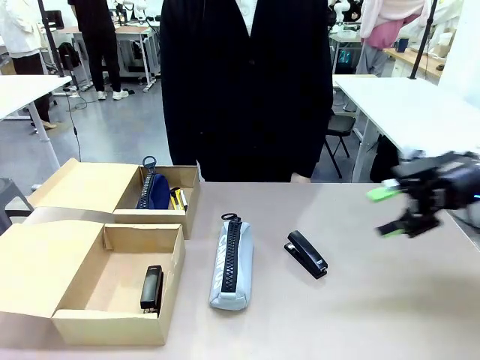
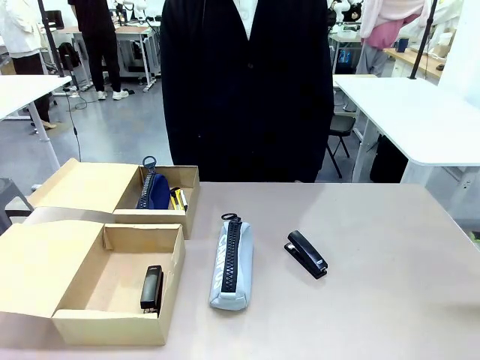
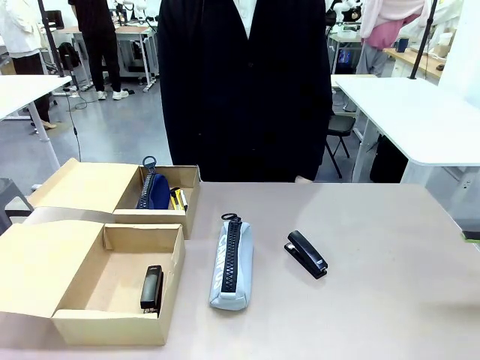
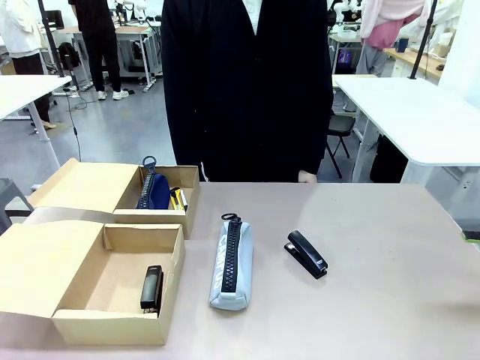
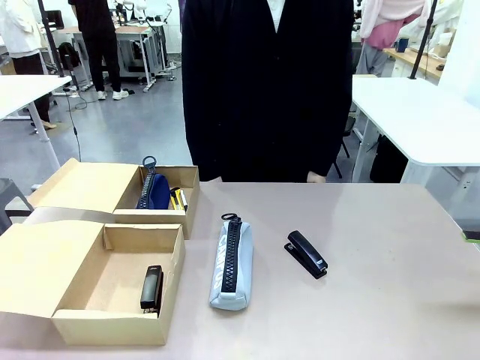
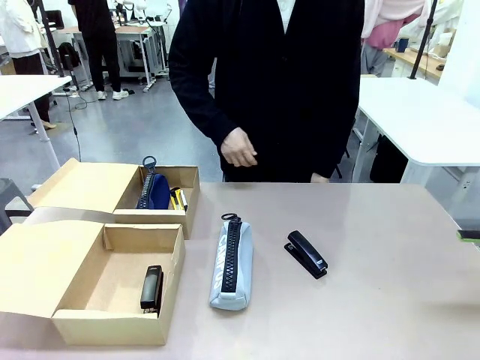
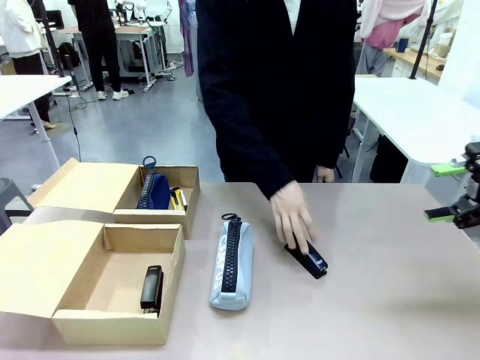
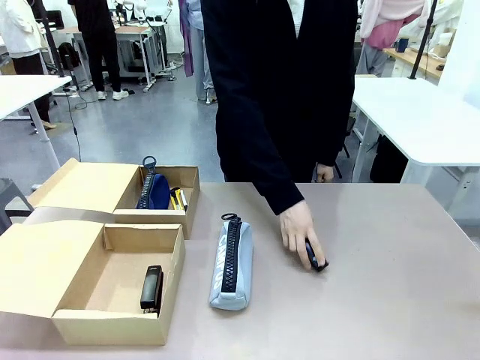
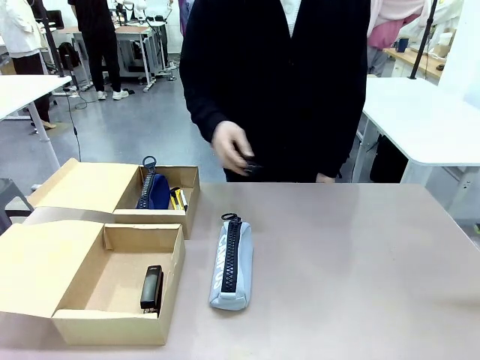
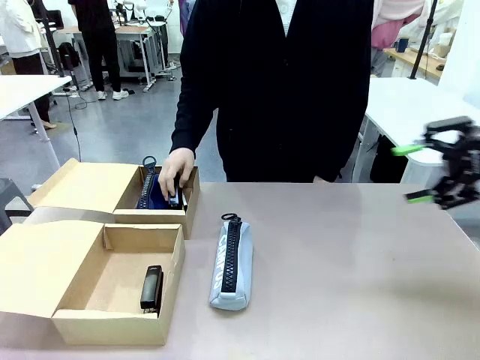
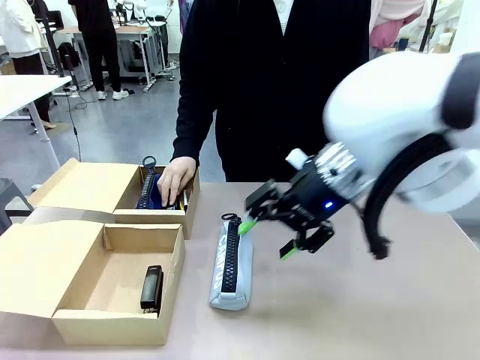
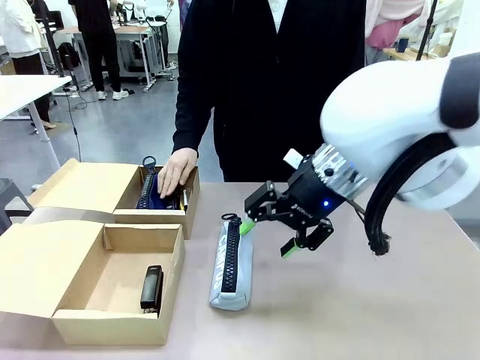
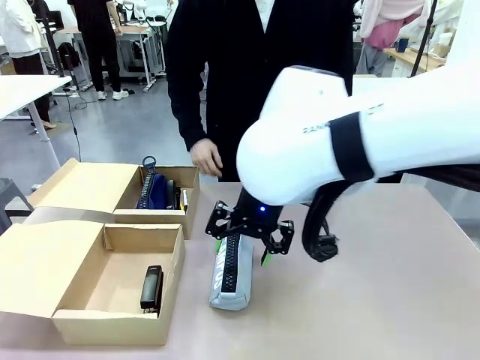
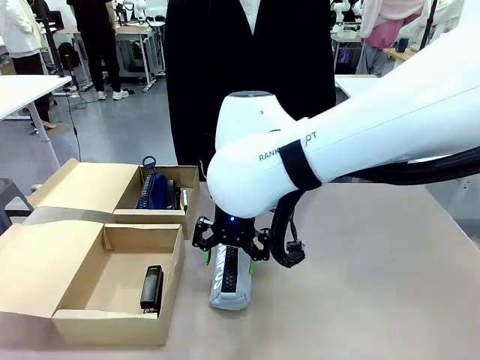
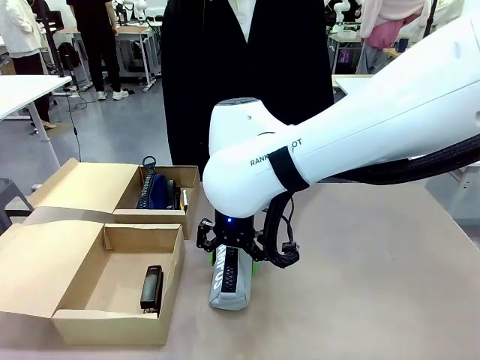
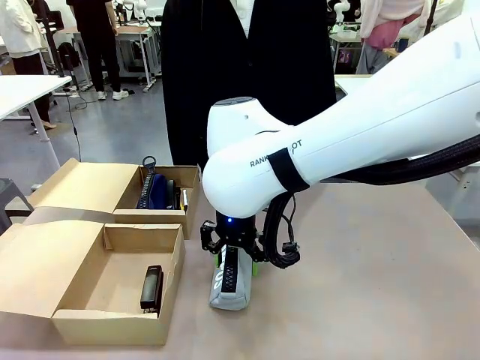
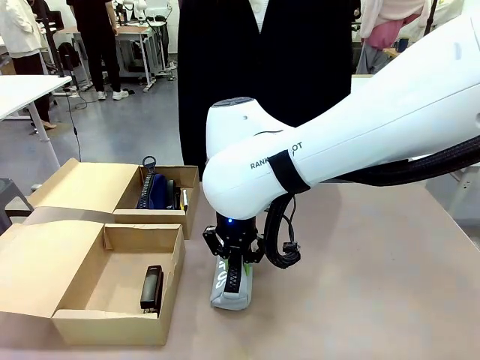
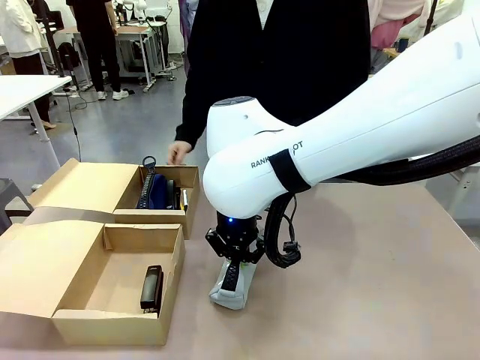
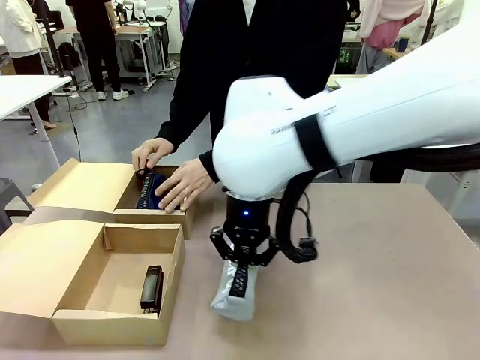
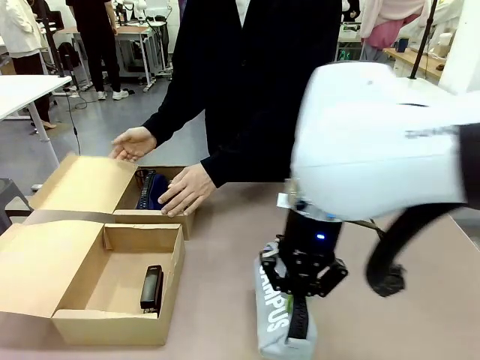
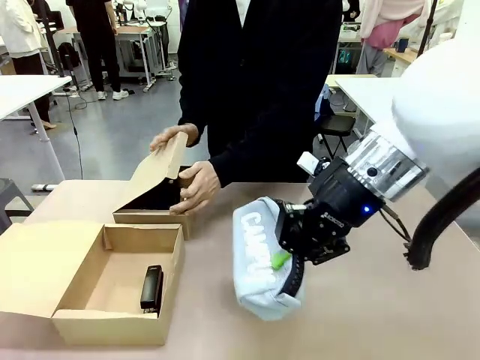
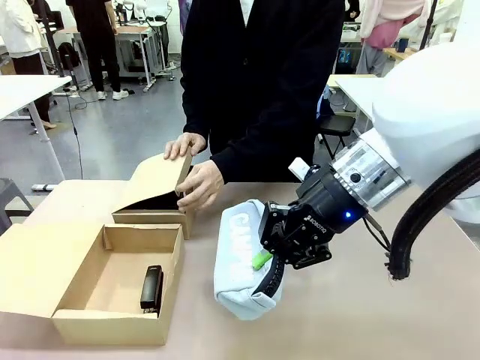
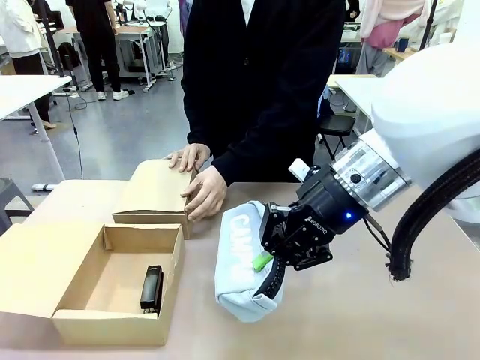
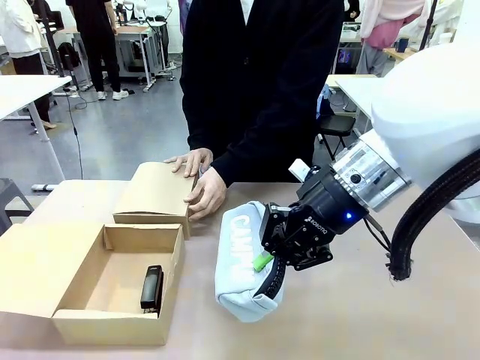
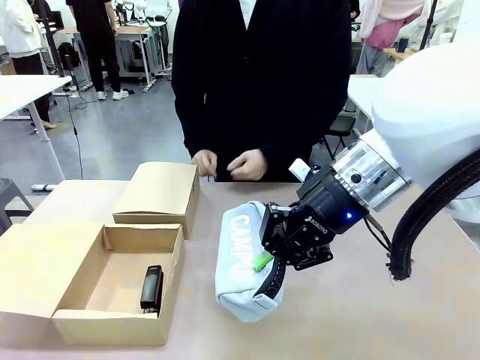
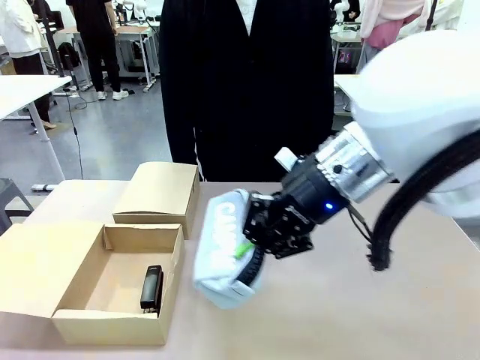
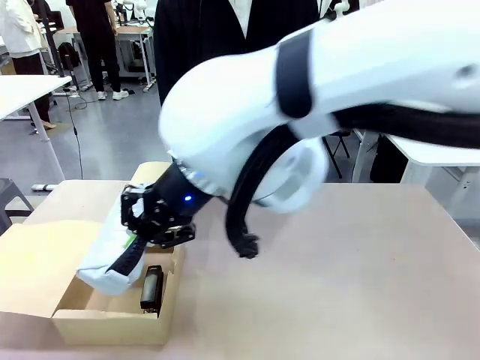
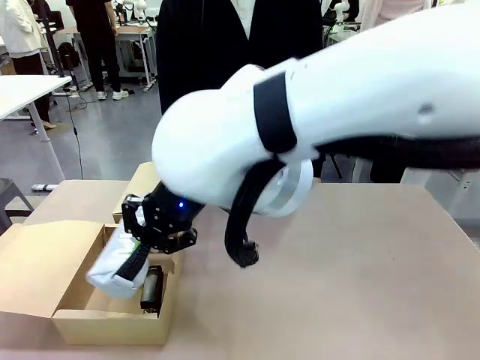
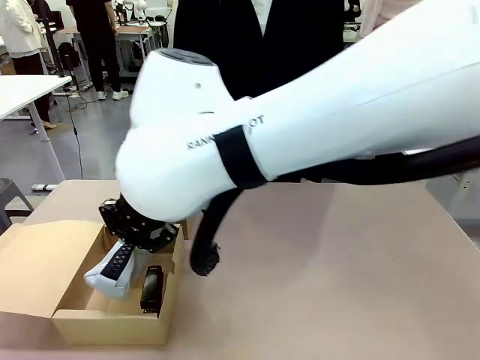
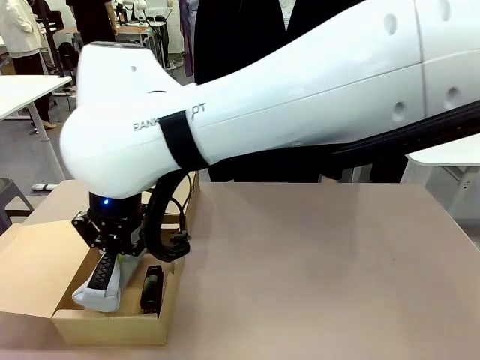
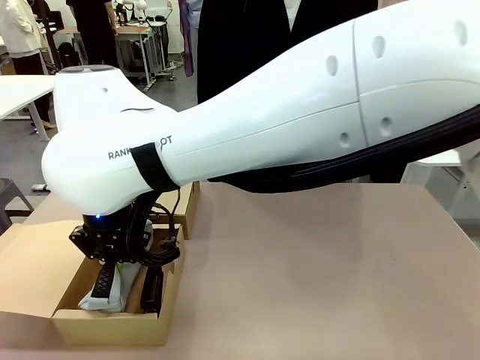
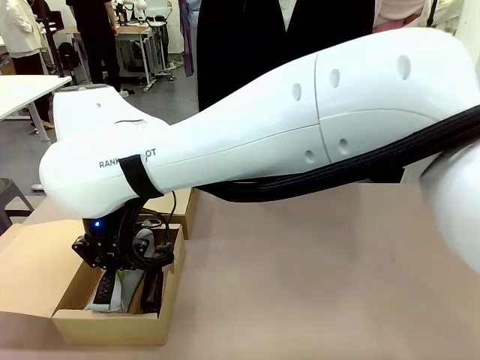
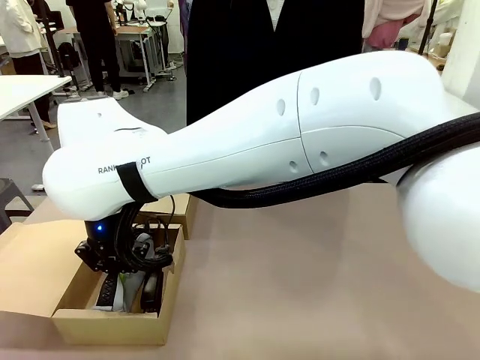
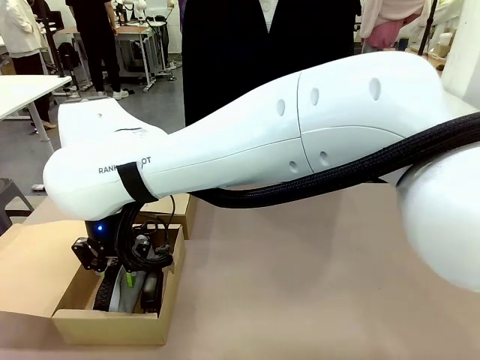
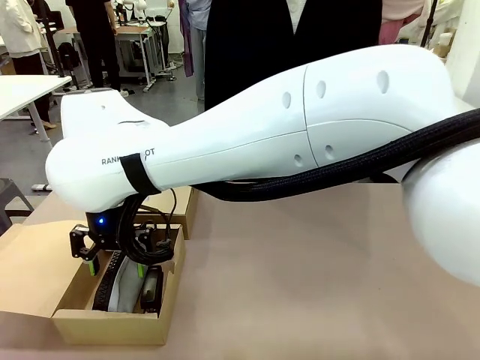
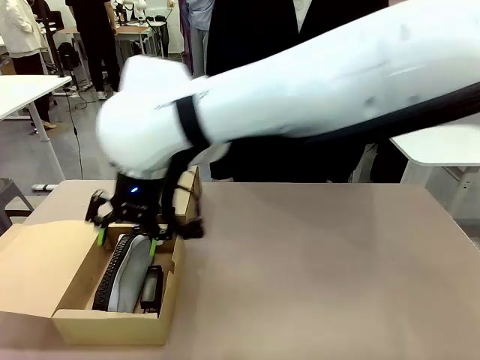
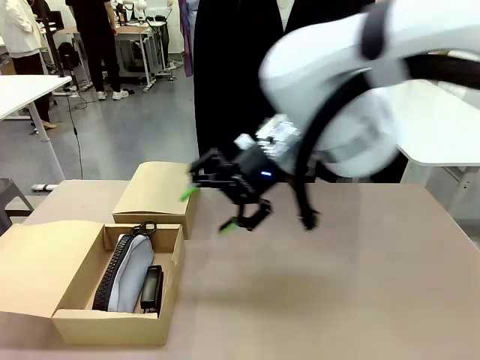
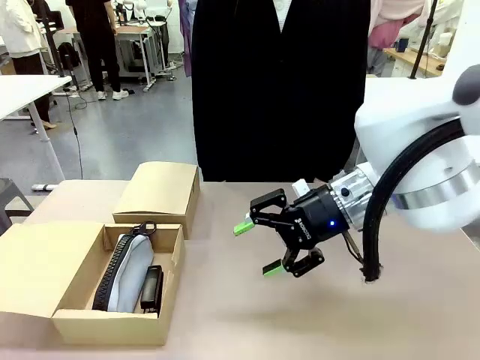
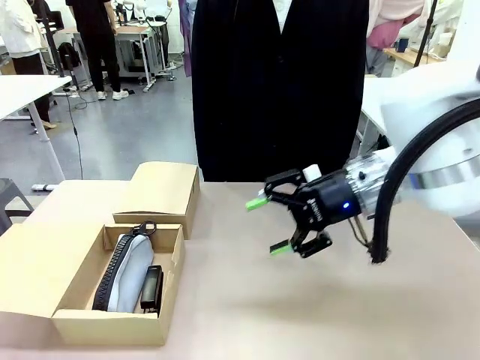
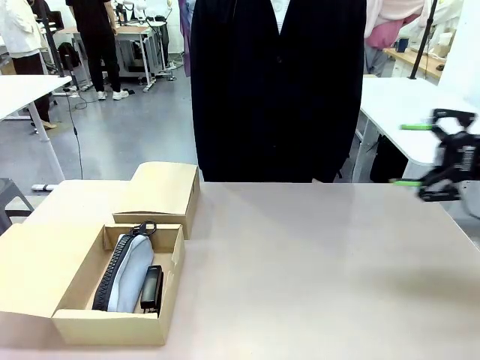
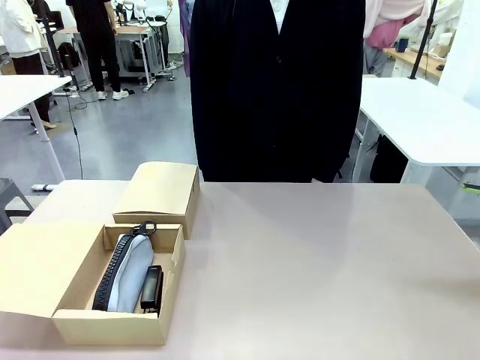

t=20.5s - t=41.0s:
Task: Place items inside the box.
Robot: Pick up a Pencil pouch or Stapler and place it inside the Mailer Box closest to the robot.
Person: Close the lid of the box facing the person.
